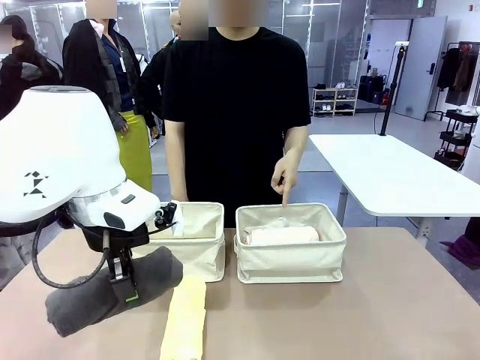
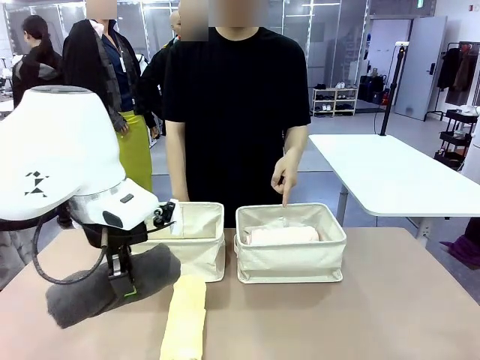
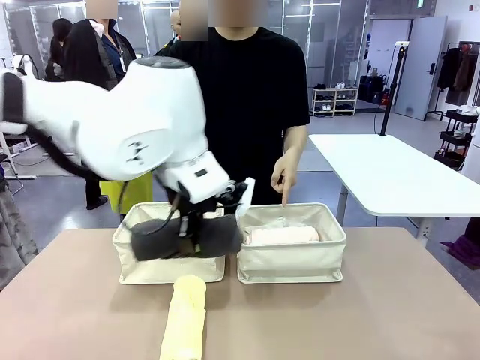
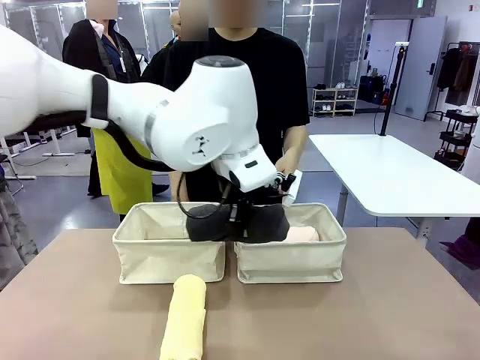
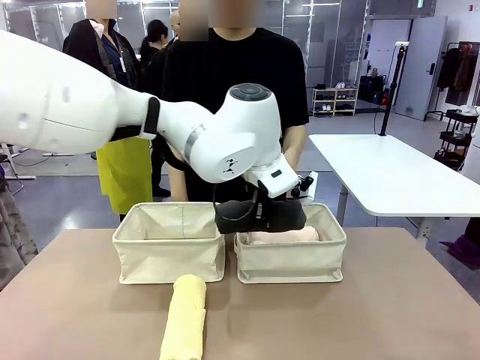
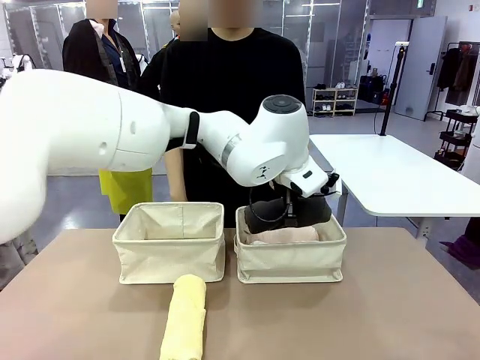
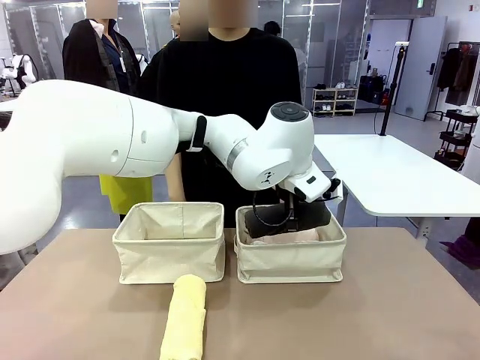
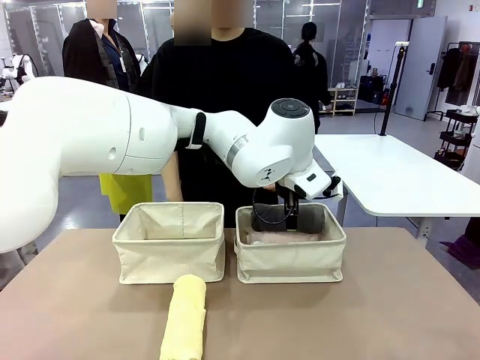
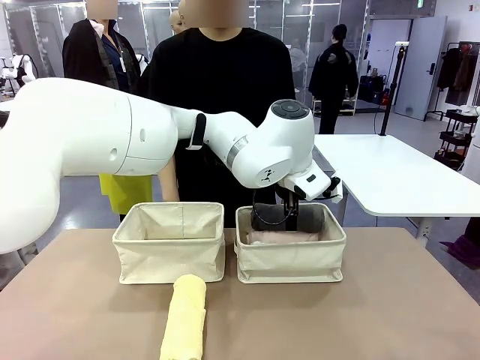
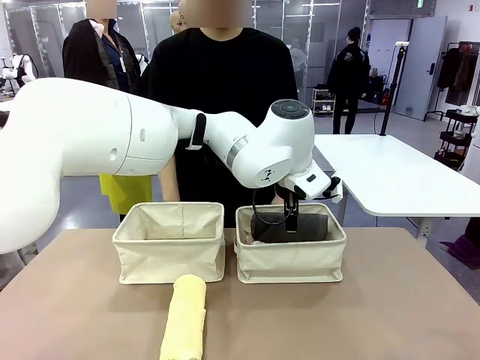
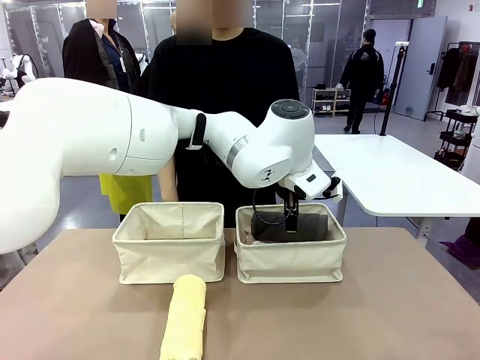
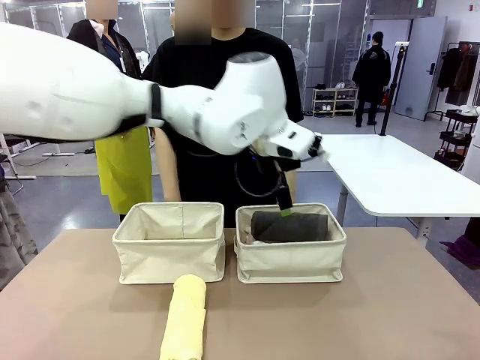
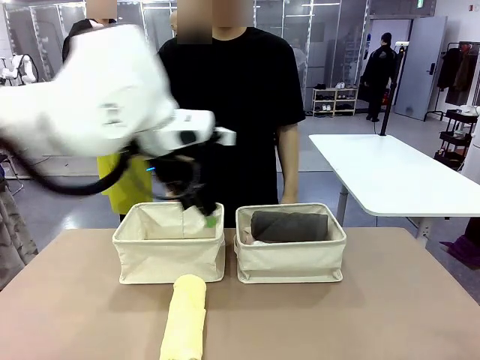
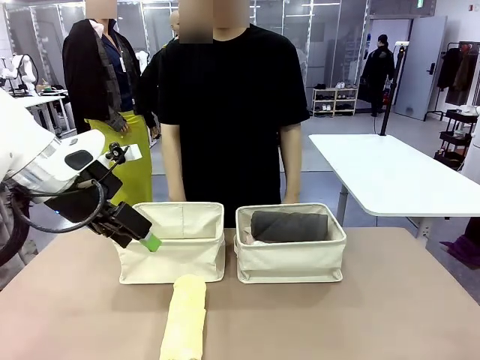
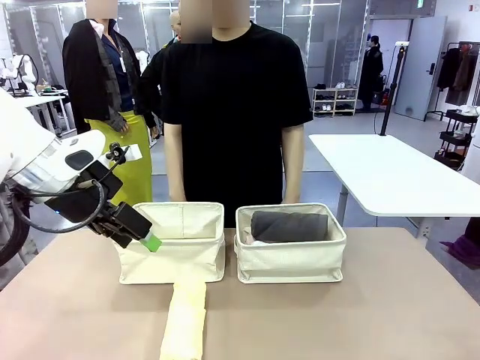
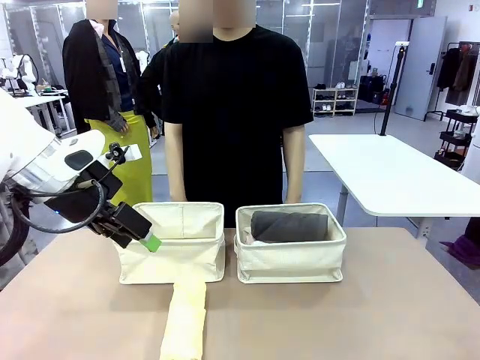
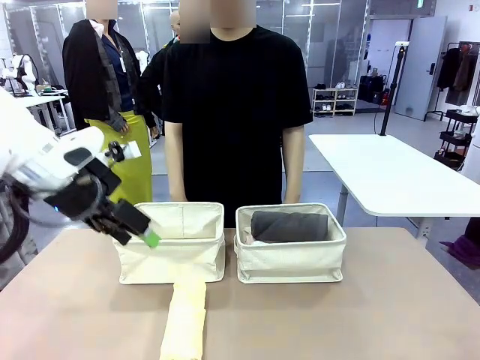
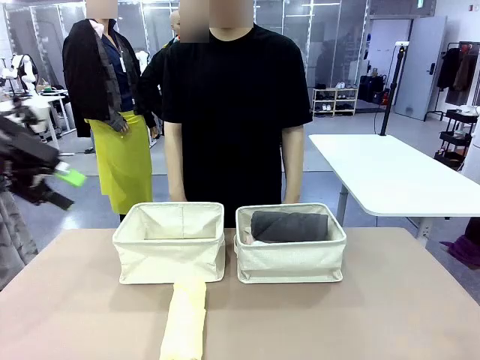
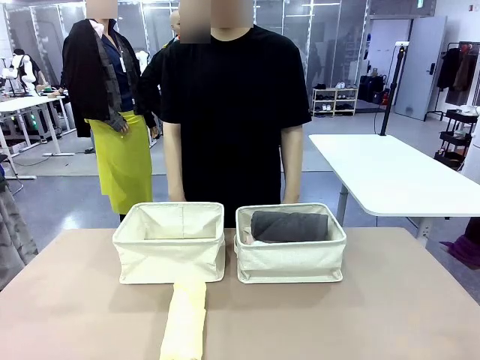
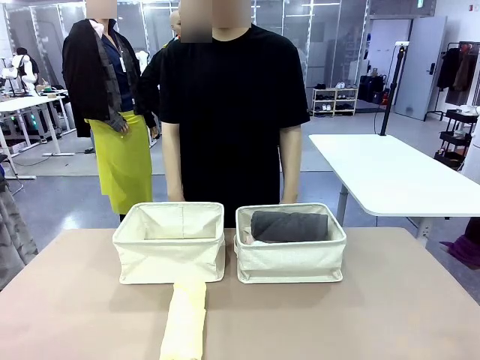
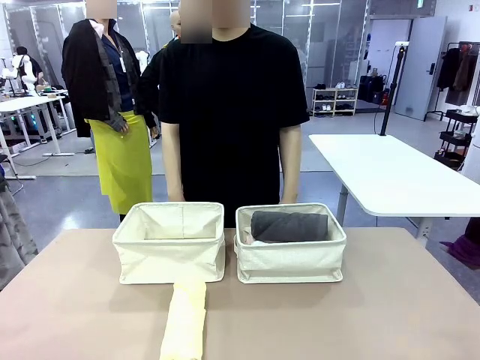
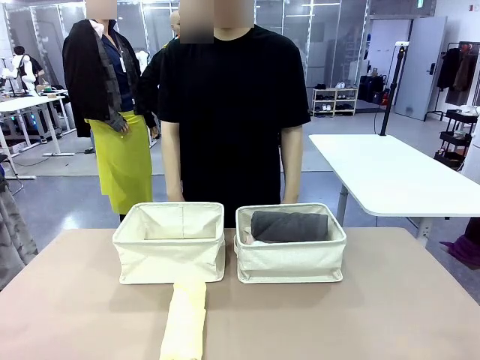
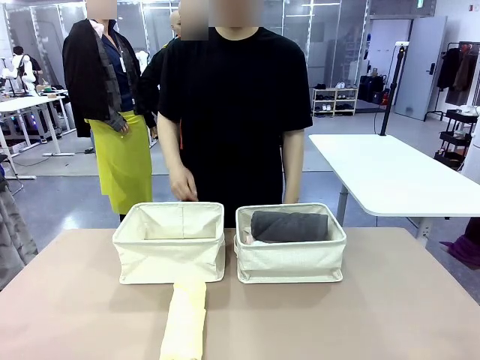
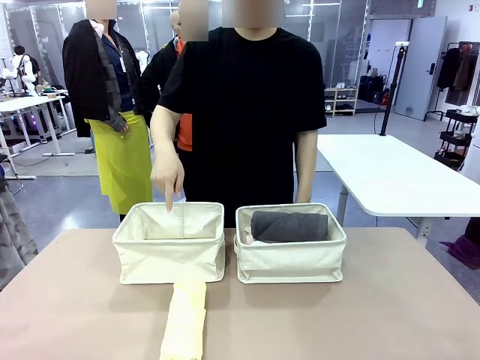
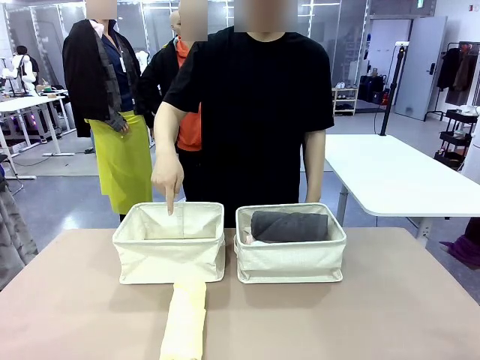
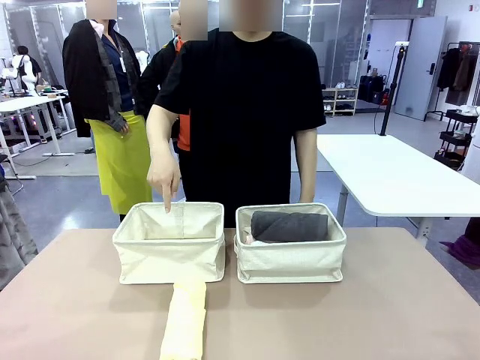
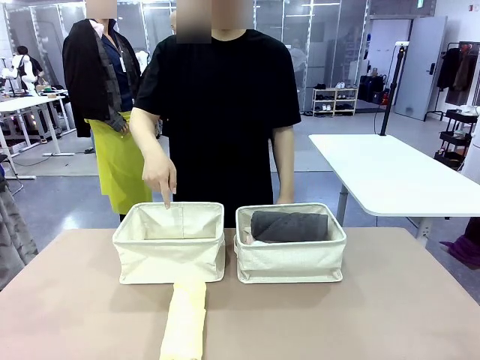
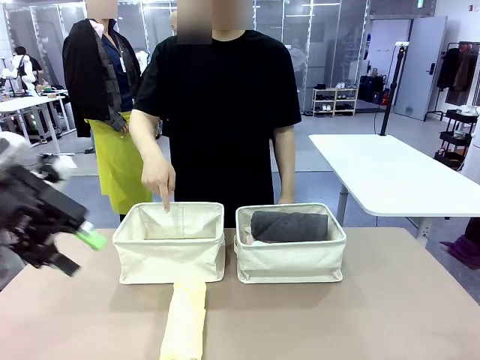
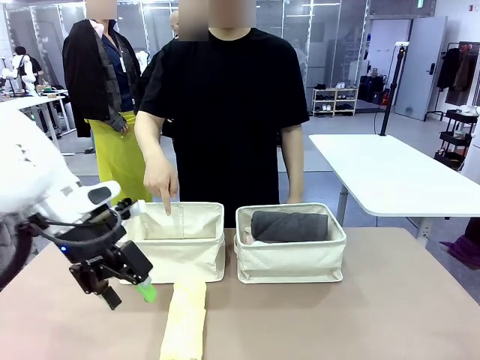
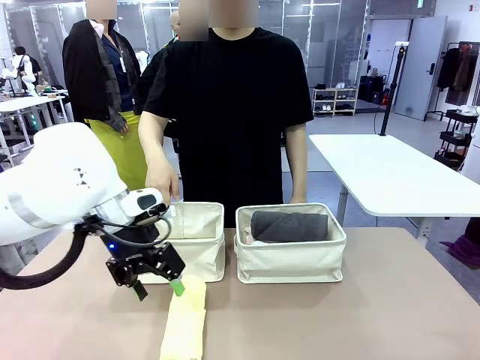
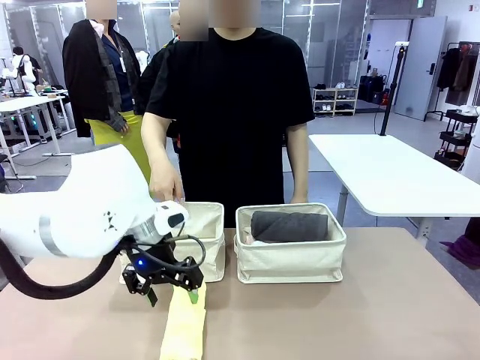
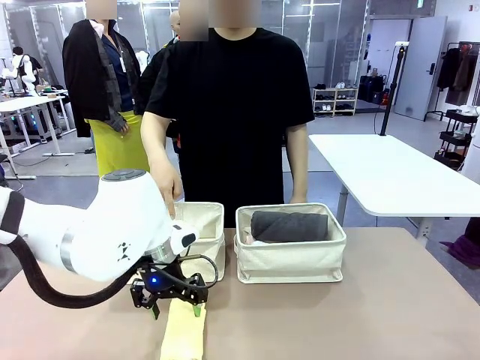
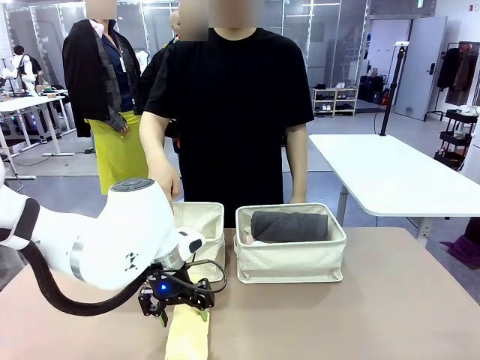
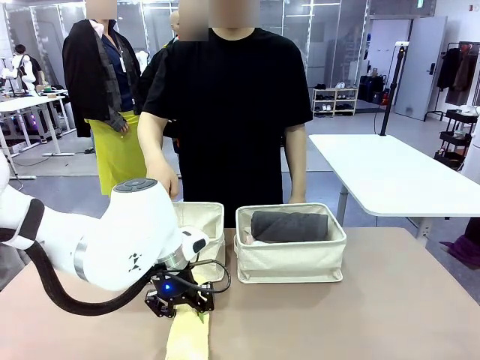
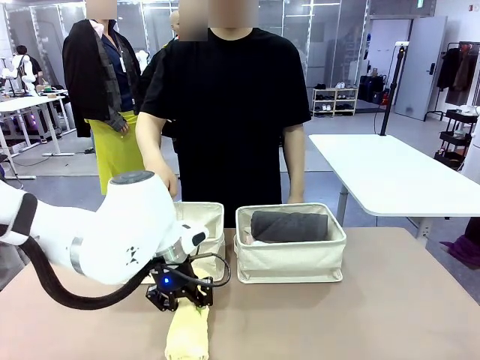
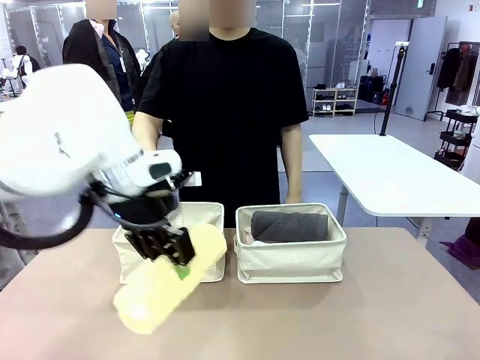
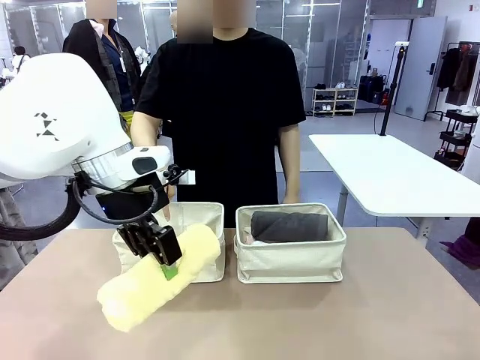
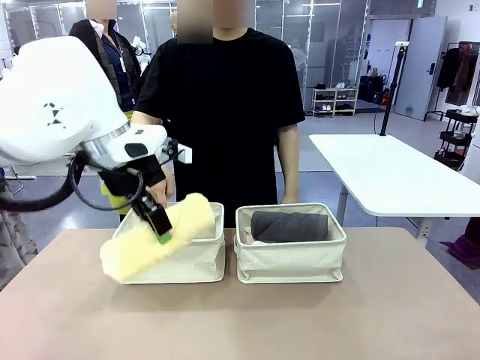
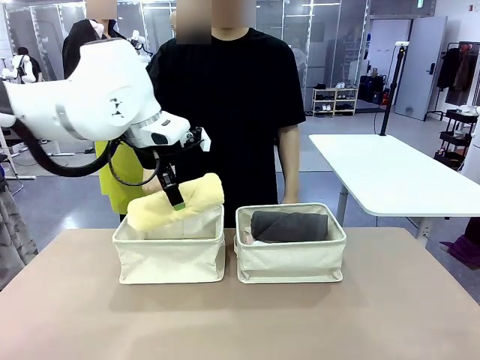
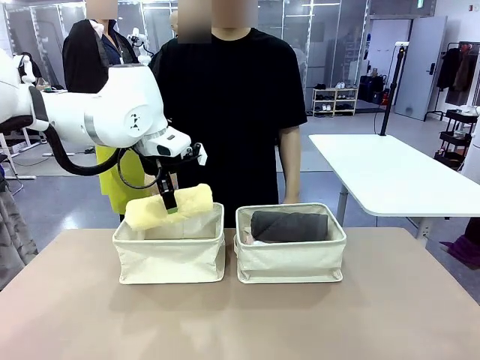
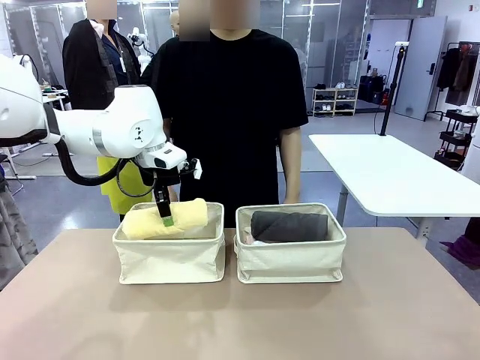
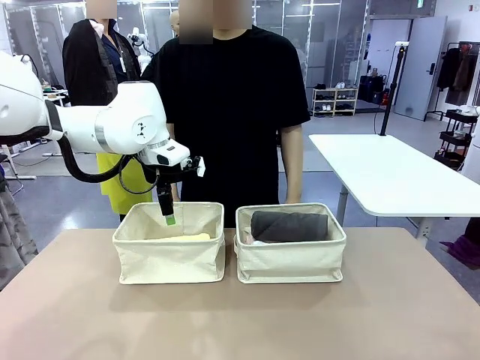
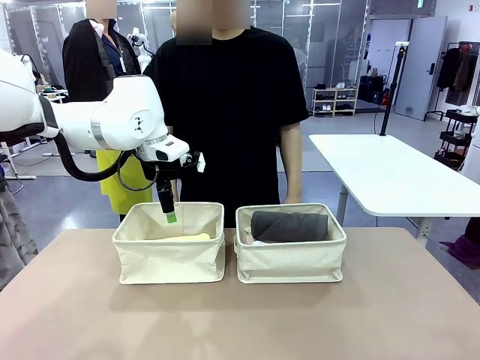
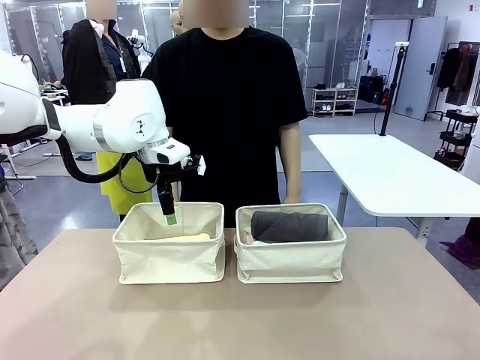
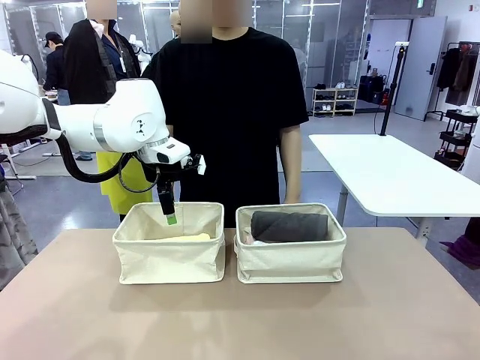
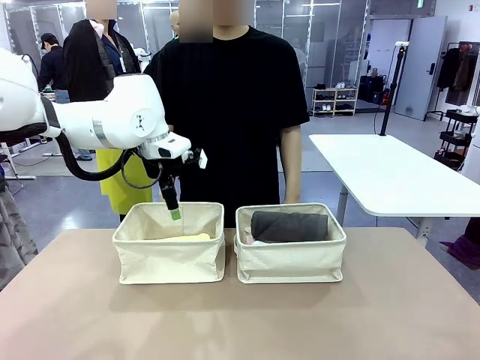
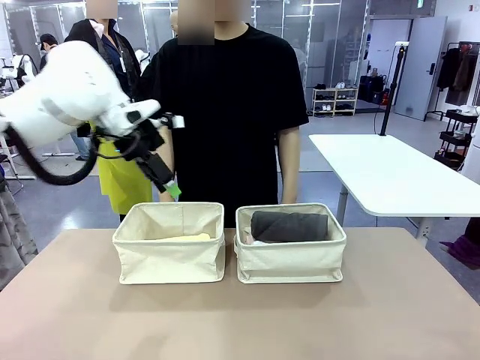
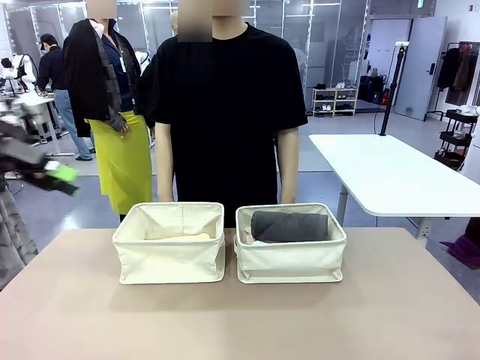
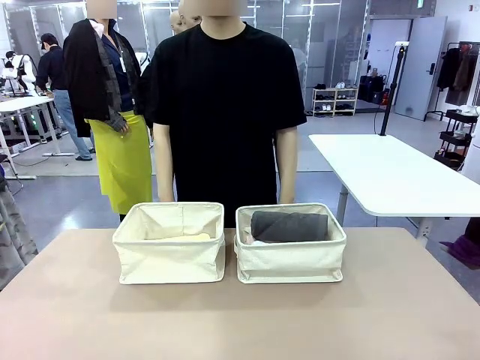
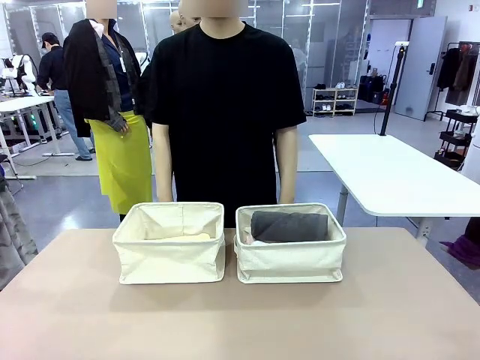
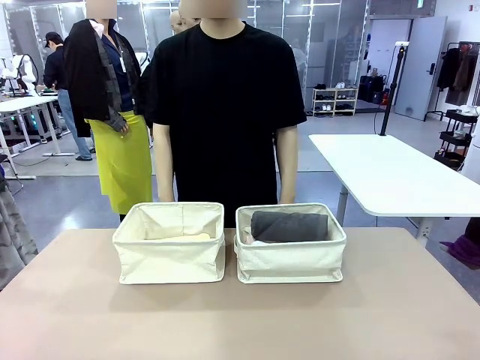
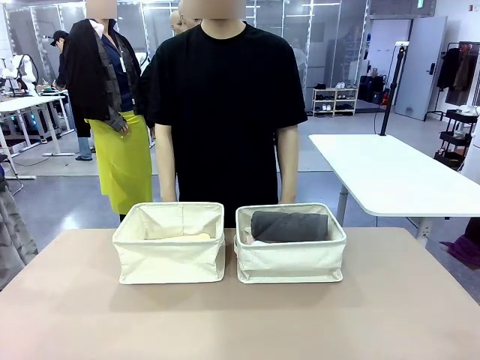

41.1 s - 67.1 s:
Task: Divide the towels into two baskets.
Robot: Pick up one hotel-folded towel from the bottom of the table and place it in the Fabric basket indicated by the person.
